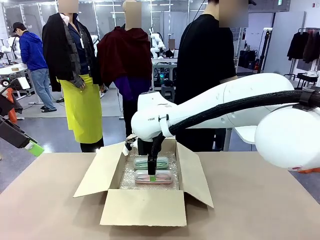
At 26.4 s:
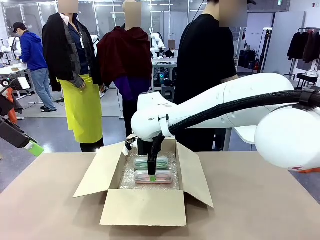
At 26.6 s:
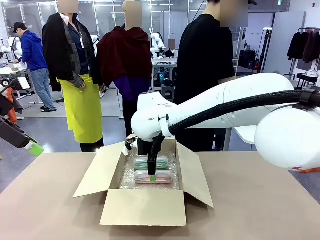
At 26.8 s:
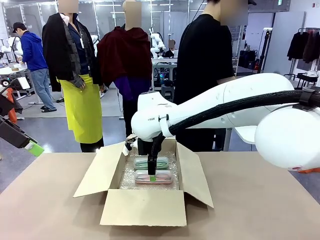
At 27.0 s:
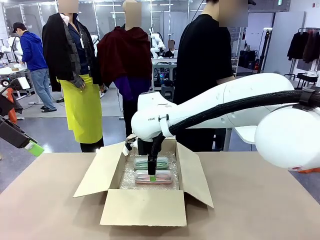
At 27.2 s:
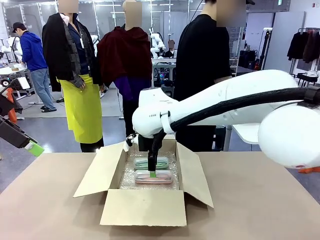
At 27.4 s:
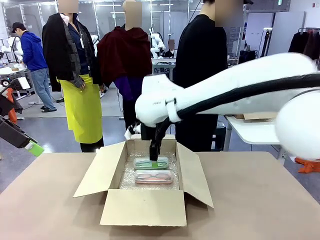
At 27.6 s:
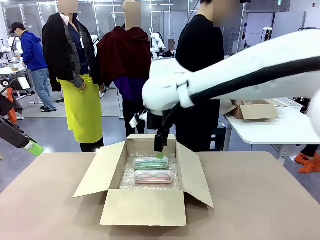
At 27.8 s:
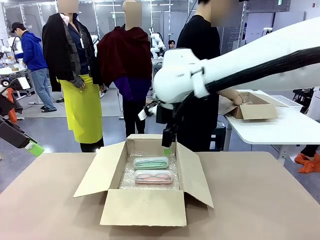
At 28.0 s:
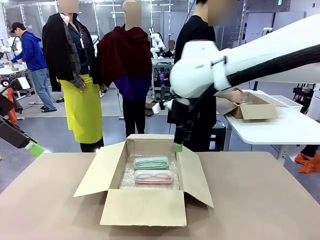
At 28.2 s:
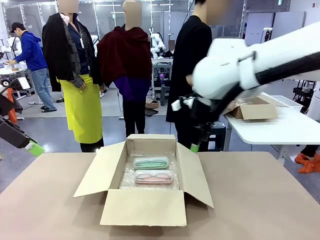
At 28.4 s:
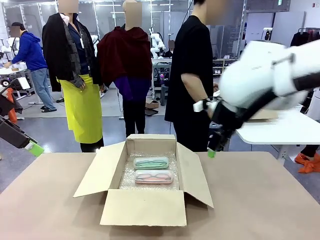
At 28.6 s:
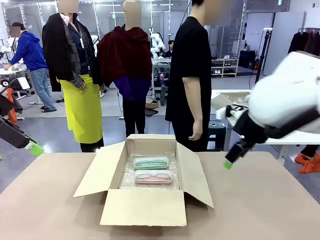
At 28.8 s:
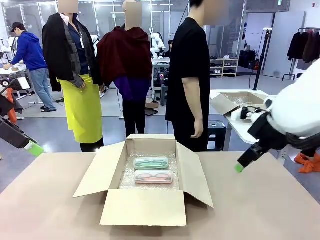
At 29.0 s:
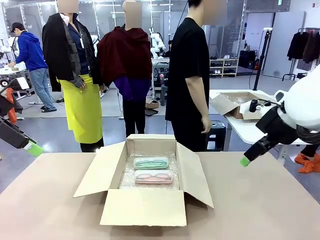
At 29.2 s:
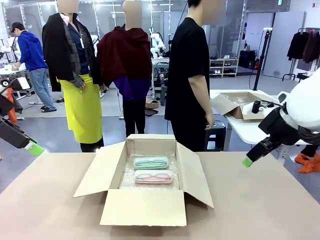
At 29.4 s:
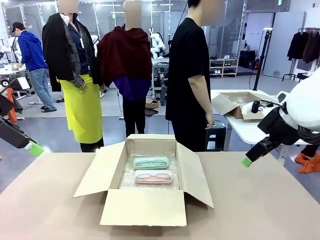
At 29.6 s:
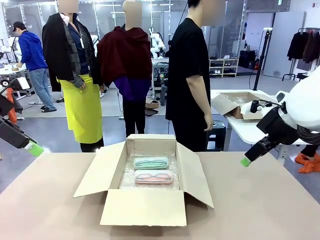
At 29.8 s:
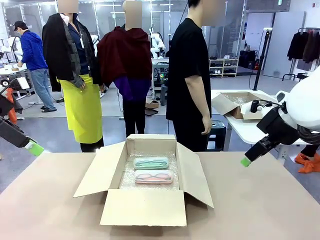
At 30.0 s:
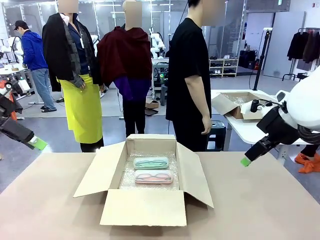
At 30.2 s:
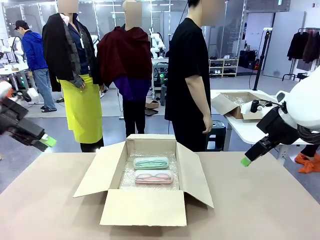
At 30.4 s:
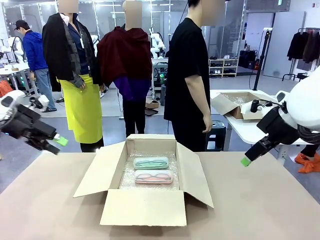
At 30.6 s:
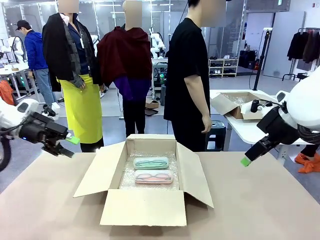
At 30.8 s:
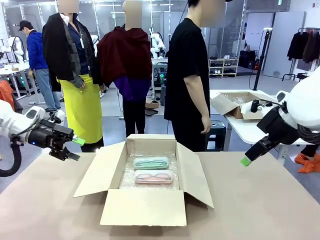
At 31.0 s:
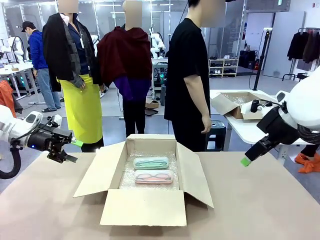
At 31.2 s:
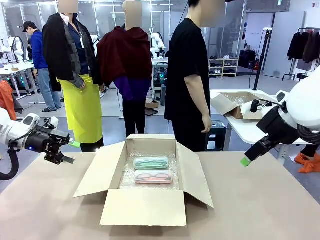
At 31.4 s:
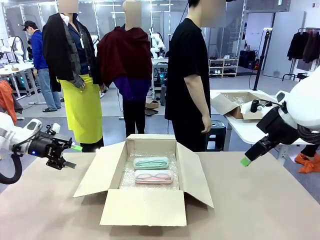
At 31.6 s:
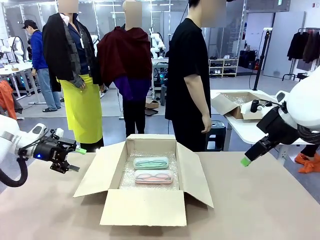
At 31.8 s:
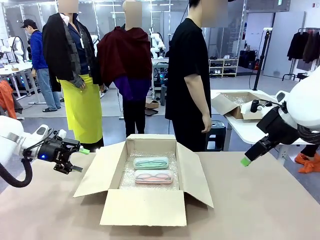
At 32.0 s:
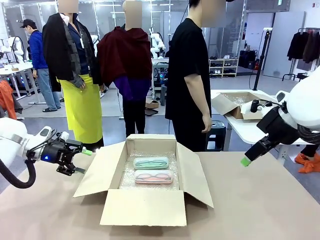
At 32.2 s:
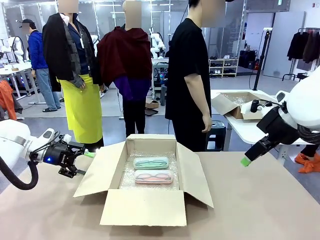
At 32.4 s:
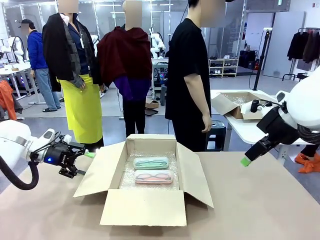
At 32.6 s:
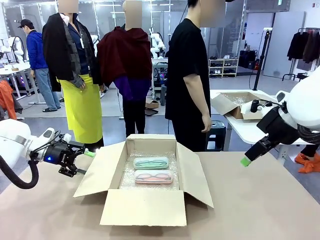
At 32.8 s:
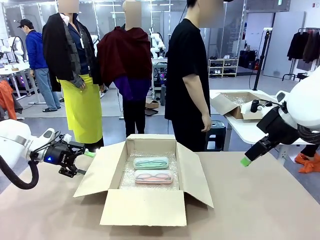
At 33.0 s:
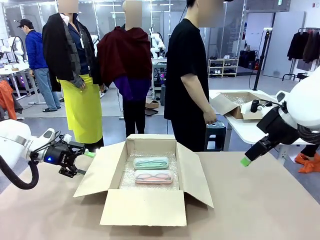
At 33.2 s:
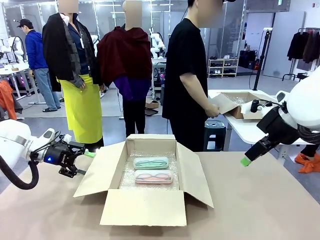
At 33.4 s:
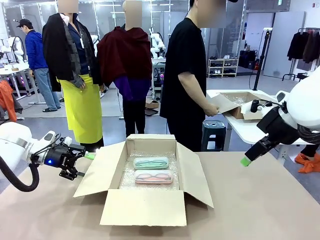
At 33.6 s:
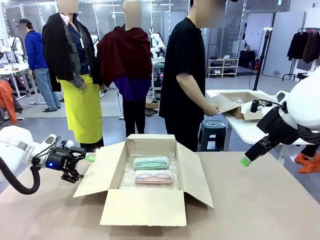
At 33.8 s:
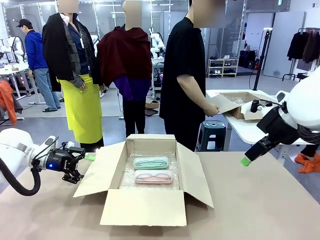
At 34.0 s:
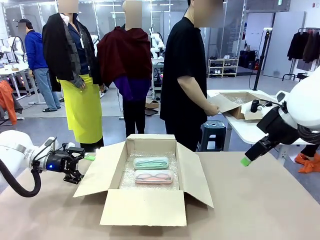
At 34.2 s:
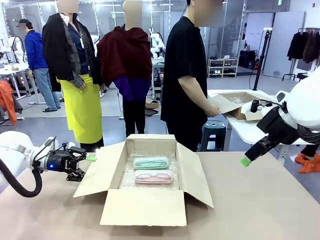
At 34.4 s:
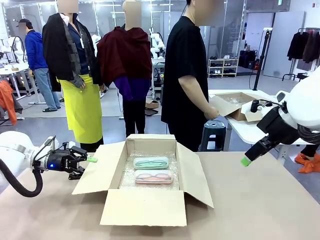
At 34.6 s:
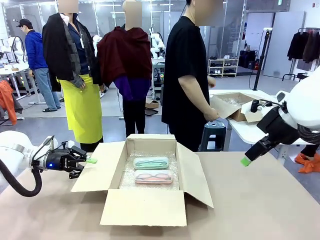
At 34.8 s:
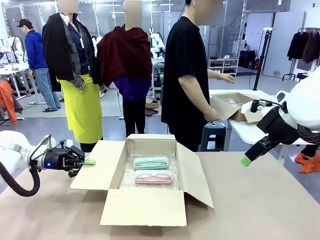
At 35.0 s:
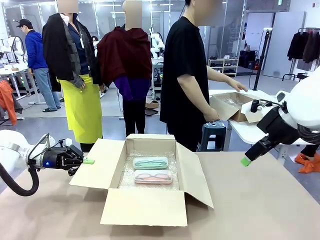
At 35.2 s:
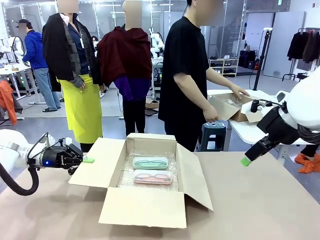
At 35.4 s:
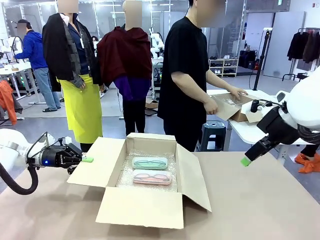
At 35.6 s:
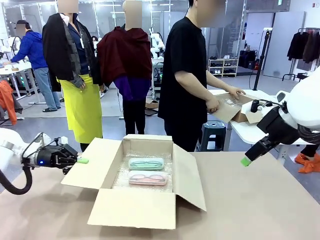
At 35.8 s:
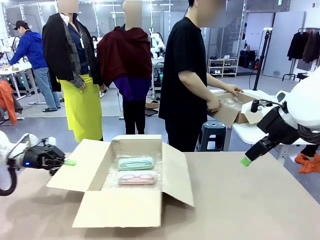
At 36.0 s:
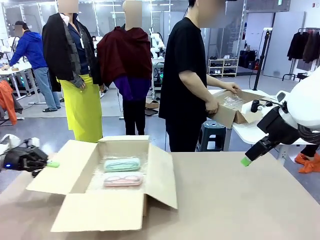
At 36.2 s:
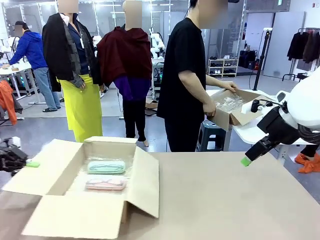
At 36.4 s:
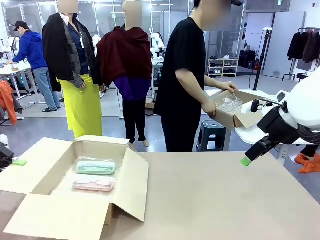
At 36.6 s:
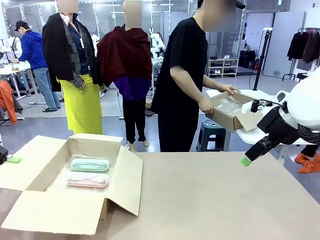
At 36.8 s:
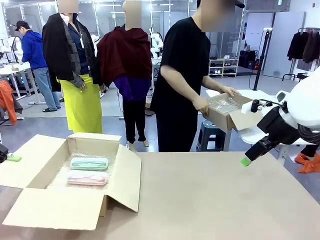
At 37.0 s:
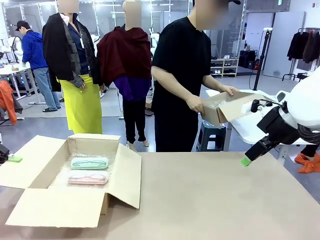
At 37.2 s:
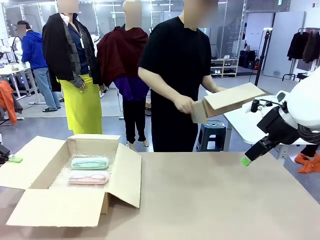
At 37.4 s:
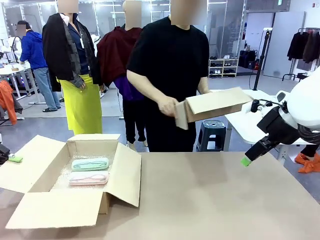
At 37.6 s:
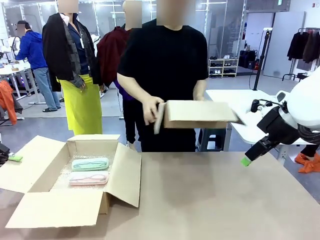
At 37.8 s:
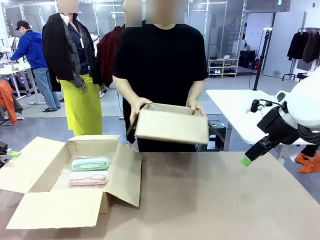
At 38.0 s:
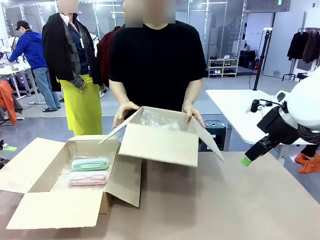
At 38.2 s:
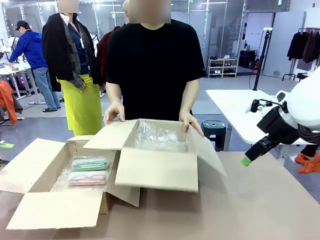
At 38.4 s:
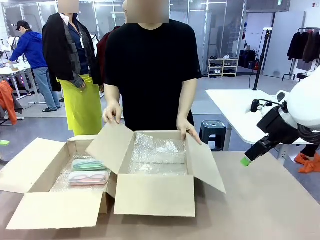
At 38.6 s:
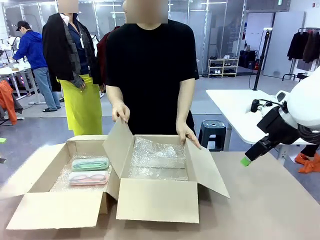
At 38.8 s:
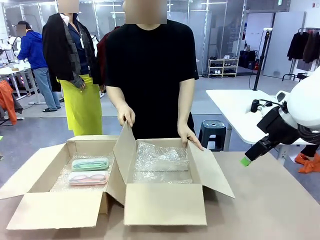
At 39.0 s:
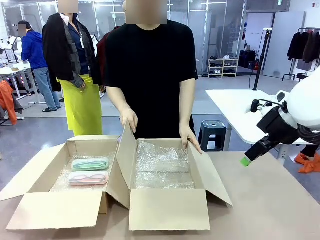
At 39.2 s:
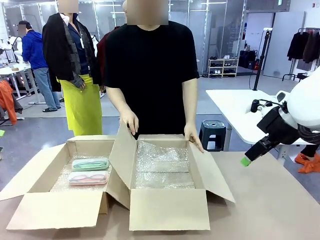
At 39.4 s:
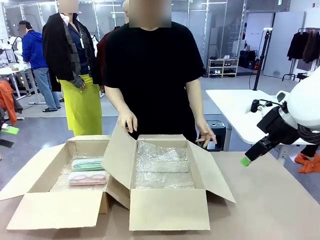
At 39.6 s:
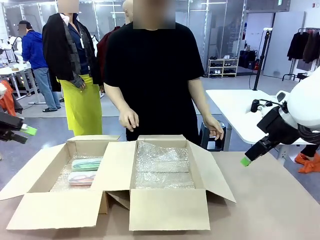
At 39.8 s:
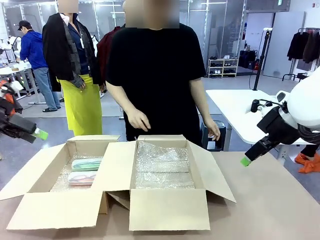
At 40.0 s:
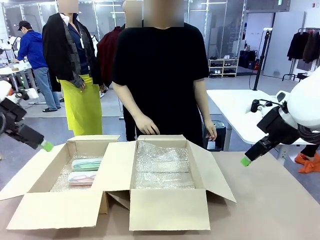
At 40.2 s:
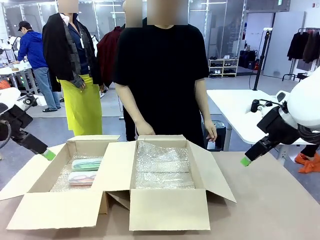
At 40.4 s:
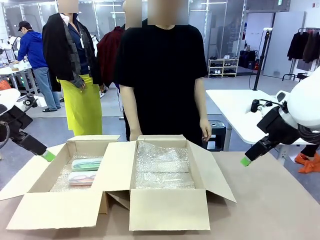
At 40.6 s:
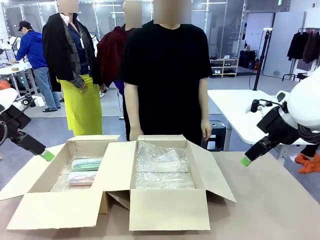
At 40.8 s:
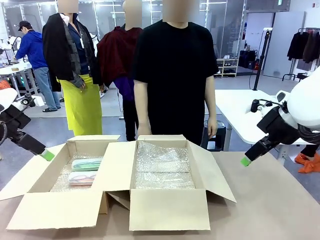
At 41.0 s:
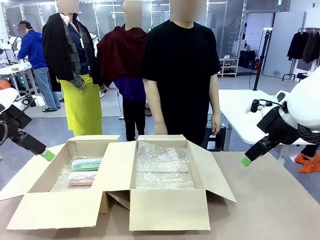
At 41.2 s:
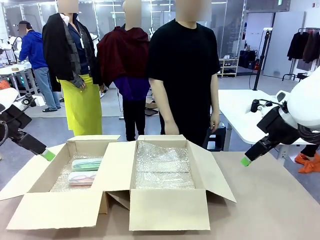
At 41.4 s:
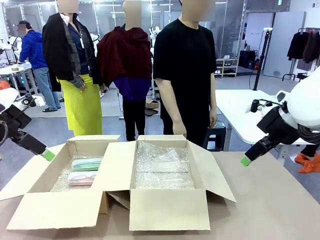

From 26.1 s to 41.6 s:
Task: Pack the glasses set securely to prepare it for shipping.
Robot: Position the Package Box on the left side of the table.
Person: Position the empty Package Box in the middle of the robot's table.
